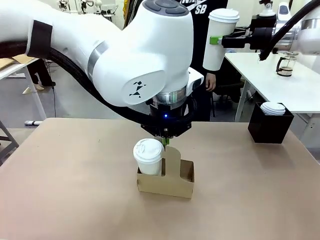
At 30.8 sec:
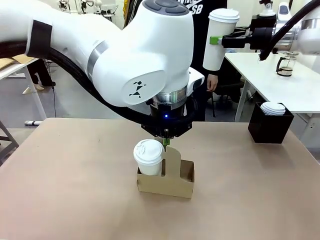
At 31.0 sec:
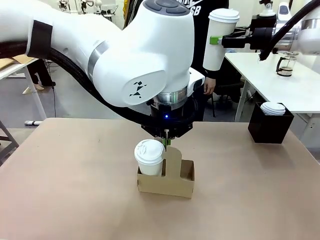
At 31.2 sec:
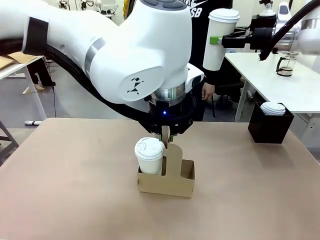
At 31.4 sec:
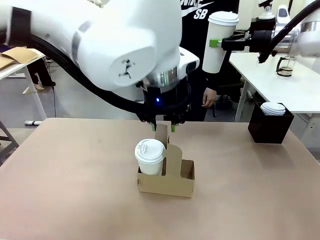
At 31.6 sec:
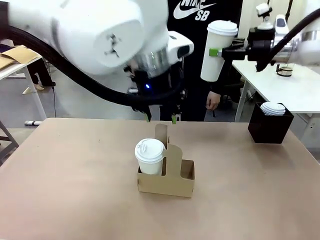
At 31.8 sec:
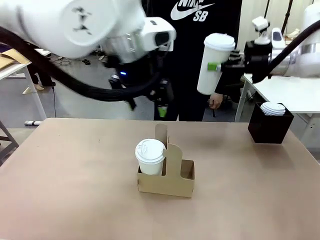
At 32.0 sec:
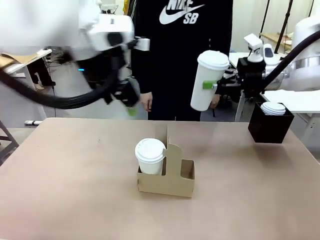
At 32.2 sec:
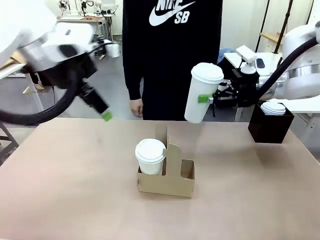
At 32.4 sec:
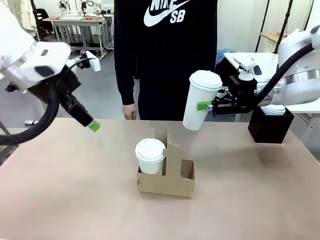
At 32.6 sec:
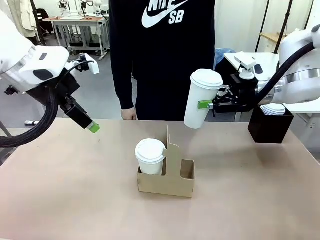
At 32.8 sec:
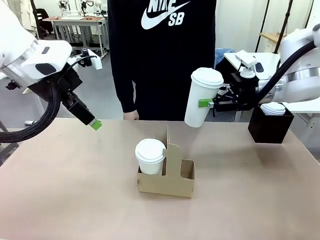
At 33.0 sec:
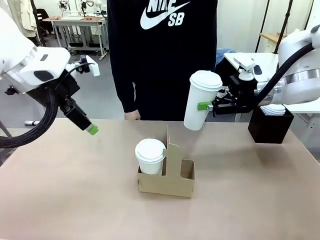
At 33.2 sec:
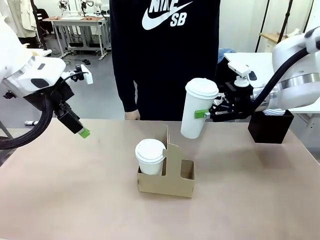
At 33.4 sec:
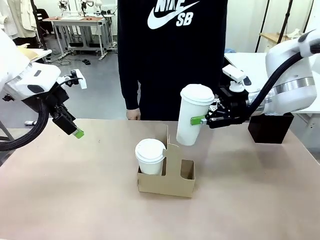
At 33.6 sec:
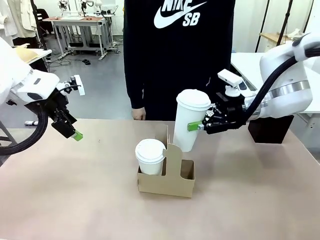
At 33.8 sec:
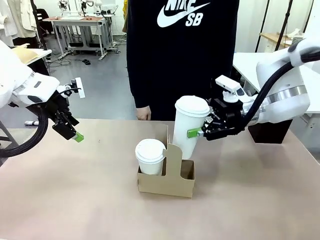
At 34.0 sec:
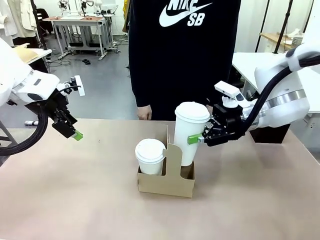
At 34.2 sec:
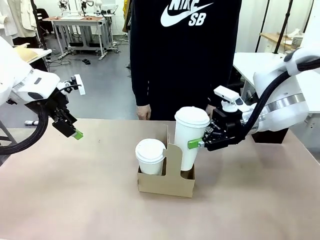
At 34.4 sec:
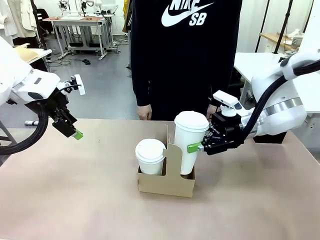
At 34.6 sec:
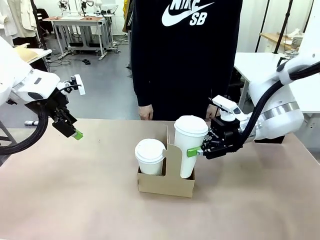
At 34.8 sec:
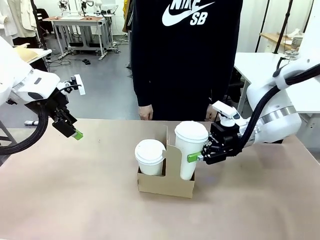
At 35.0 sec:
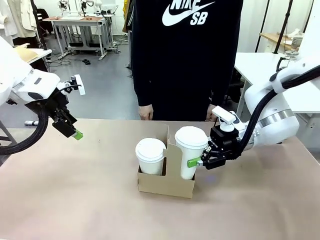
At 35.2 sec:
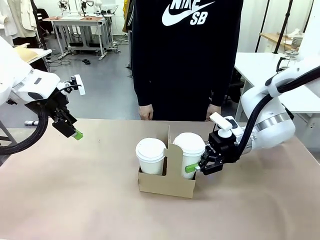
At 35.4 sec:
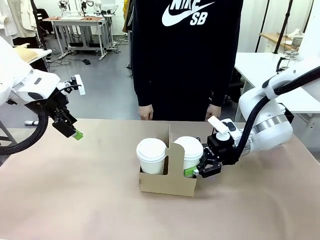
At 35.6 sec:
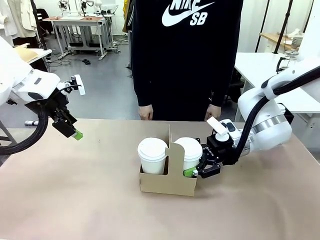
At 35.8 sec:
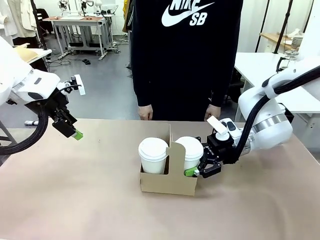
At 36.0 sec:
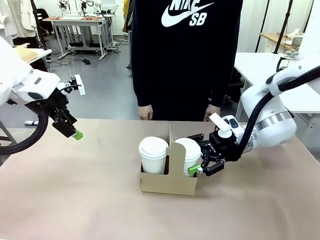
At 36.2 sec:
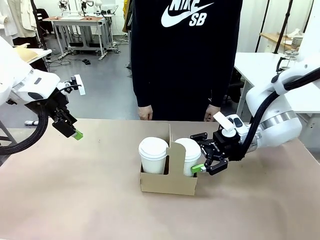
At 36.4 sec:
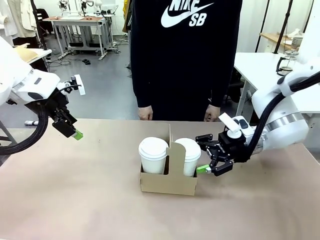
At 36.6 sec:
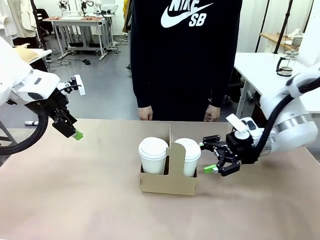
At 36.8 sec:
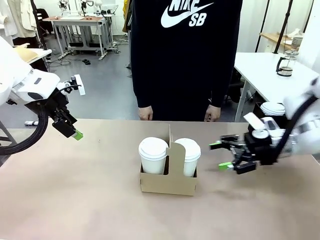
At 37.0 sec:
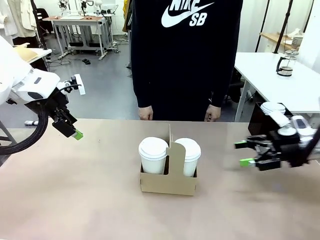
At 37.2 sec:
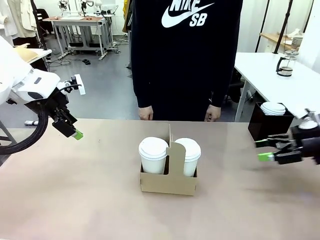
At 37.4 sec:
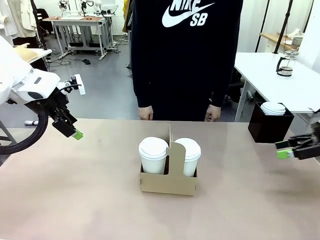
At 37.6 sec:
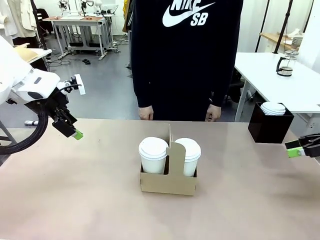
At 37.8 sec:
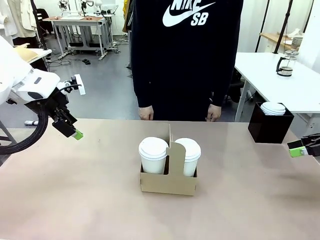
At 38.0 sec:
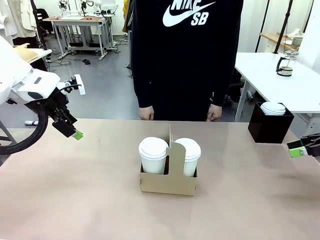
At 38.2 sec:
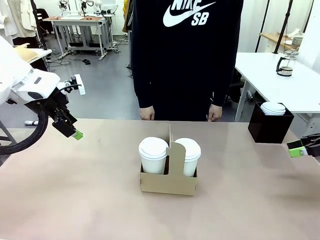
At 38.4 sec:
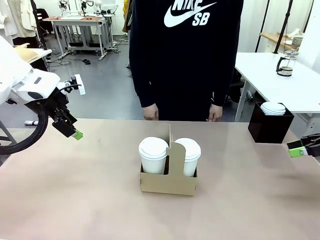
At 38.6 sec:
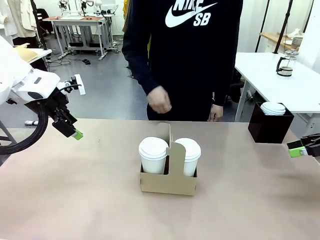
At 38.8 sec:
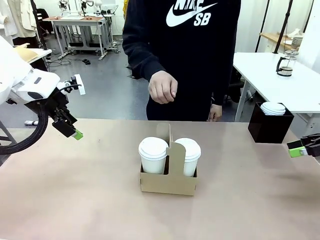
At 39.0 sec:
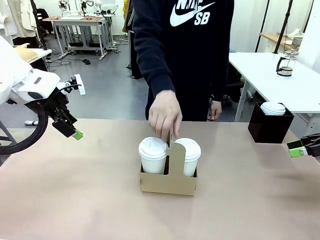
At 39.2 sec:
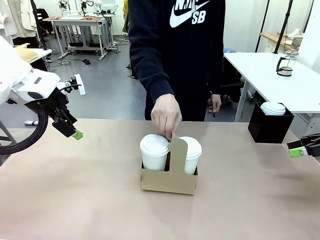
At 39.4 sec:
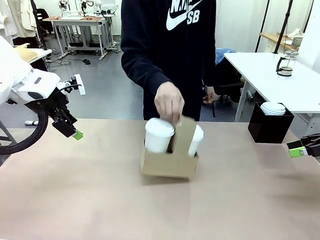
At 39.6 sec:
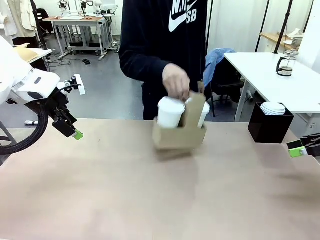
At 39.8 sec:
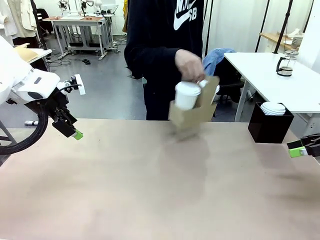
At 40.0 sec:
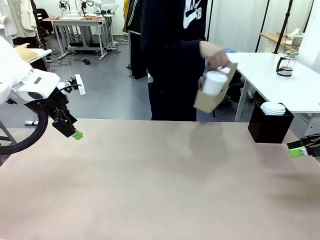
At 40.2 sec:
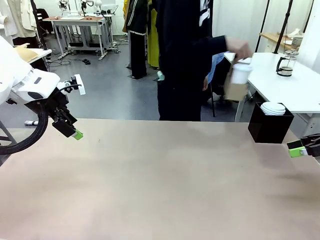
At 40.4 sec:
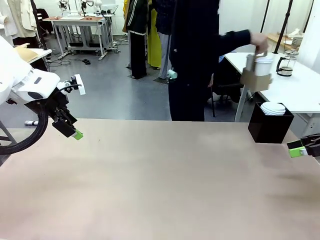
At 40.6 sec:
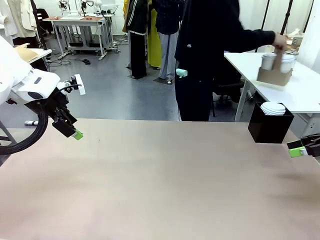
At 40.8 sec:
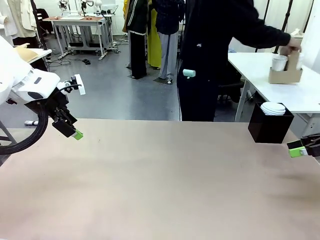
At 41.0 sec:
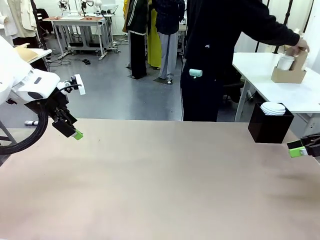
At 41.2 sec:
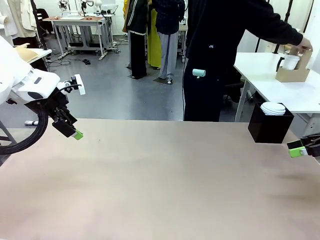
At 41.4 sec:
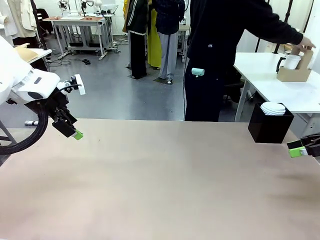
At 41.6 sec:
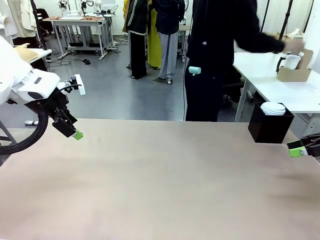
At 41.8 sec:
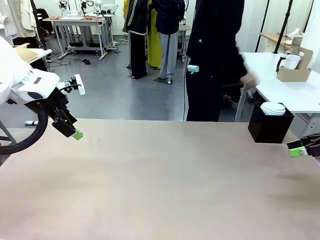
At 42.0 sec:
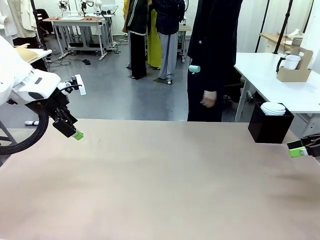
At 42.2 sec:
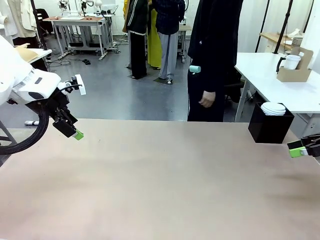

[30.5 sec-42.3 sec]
Task: Pour a drink into a cup and package it in a carrier.
Robot: Insert the held 600 ml Paper Cup into the Cup Carrier.
Person: Place the Cup Carrier to the middle of Human table.
